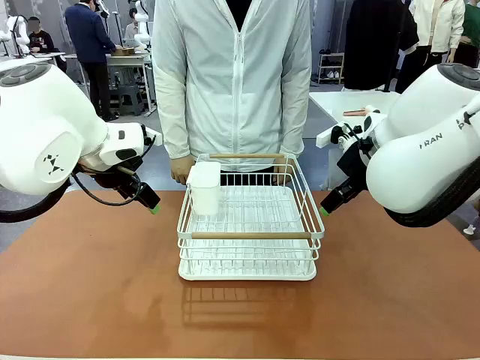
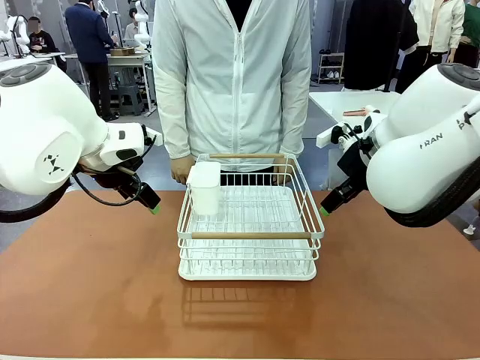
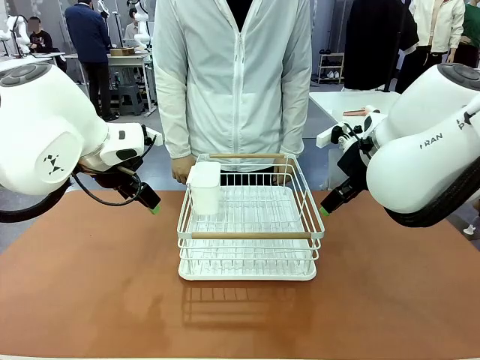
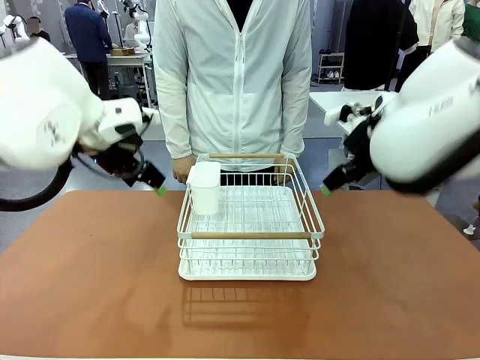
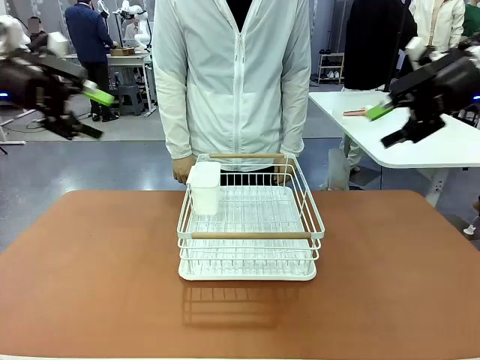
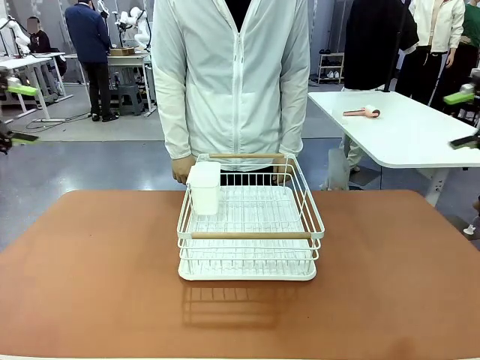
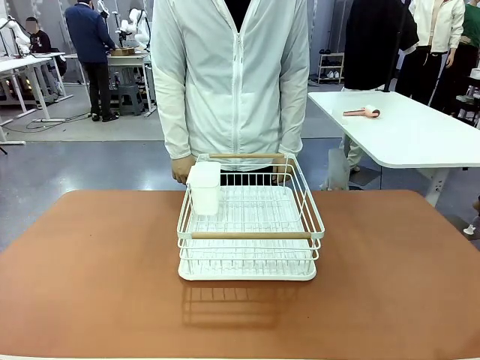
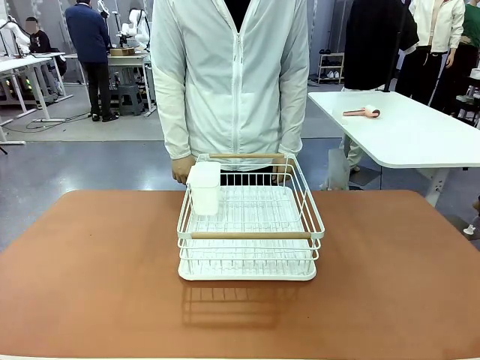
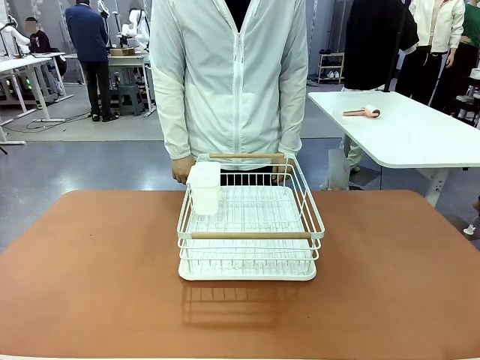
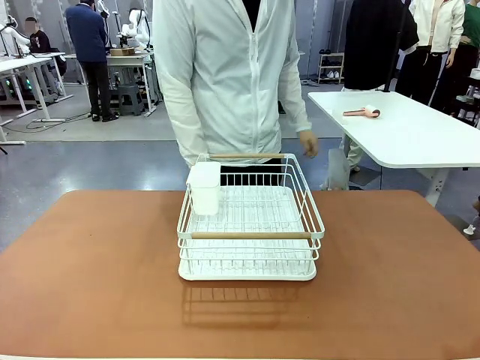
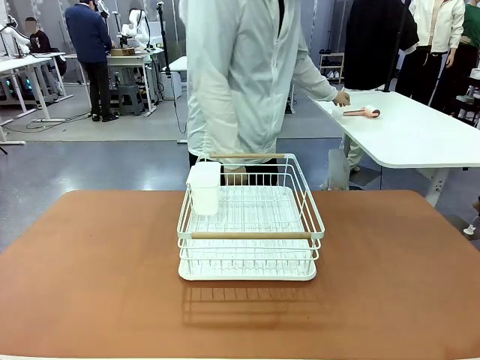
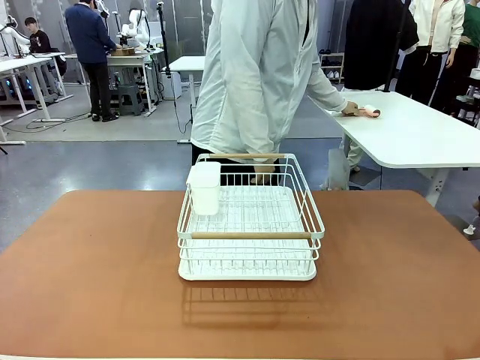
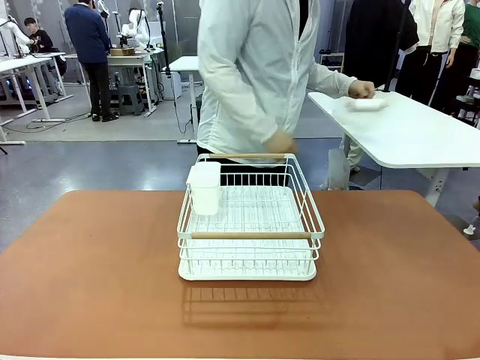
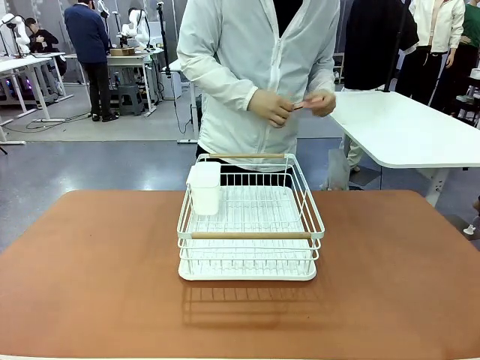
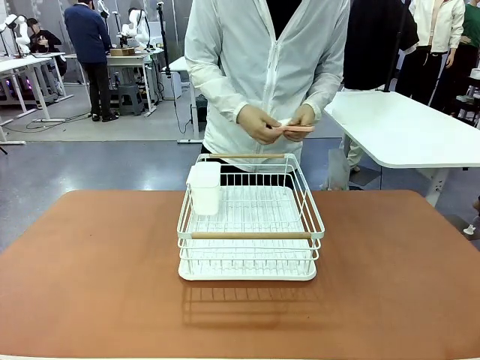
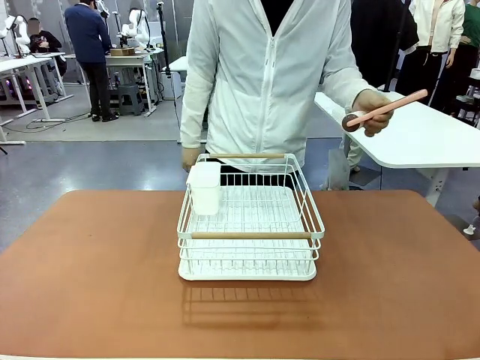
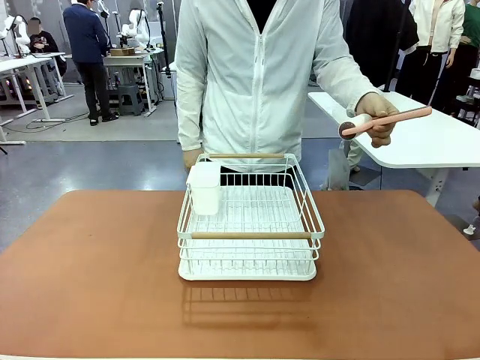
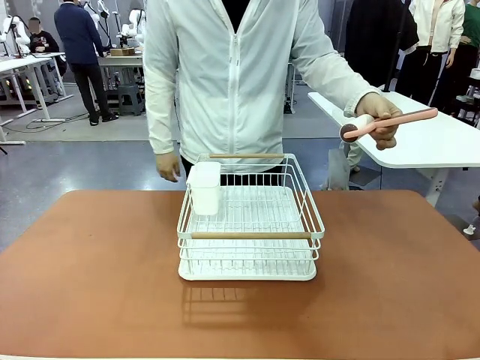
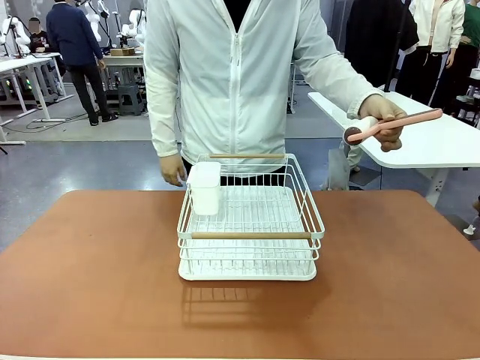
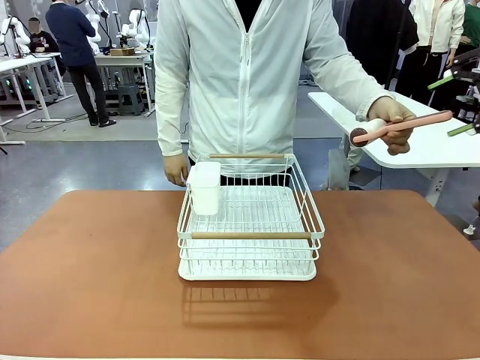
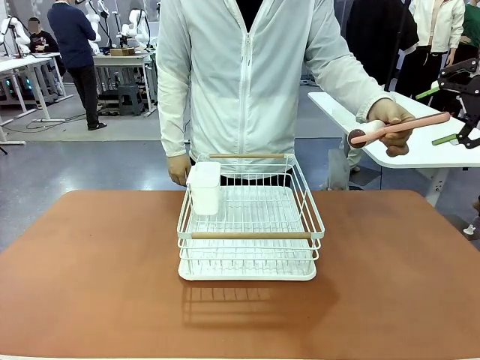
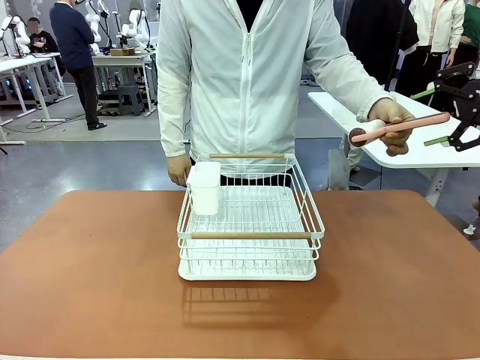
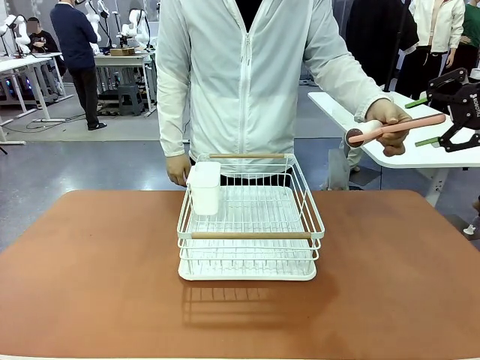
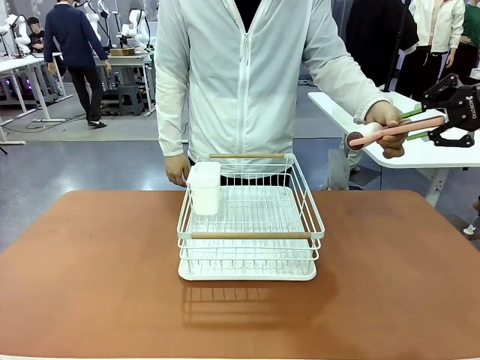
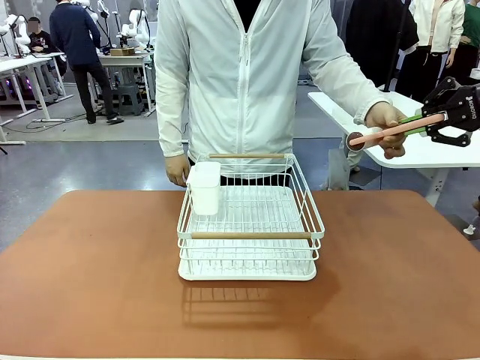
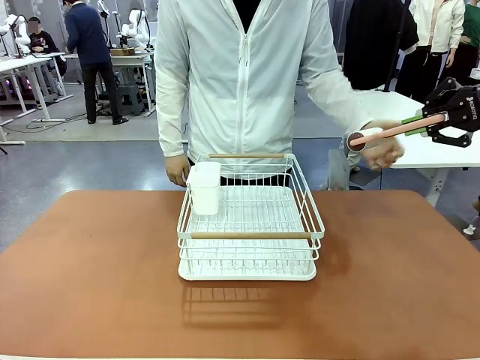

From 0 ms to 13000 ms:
Task: Clean the table.
Robot: Pick up the Lint Roller when the human hands it over.
Person: Hand the Lint Roller to the robot so it can easily pick it up. Lift the Dish drying rack.

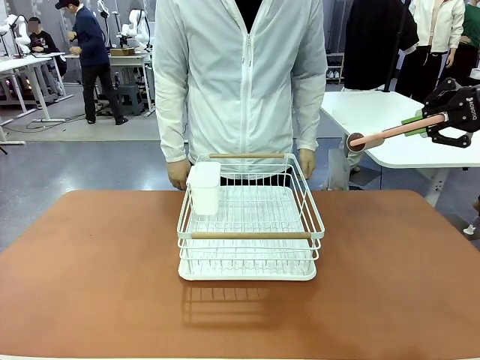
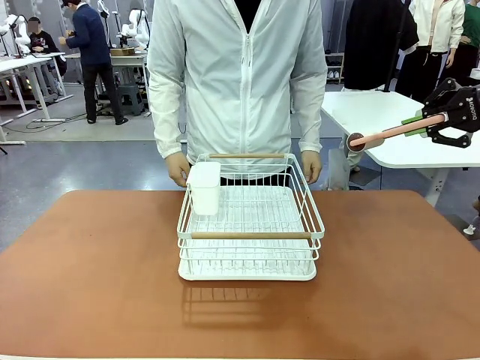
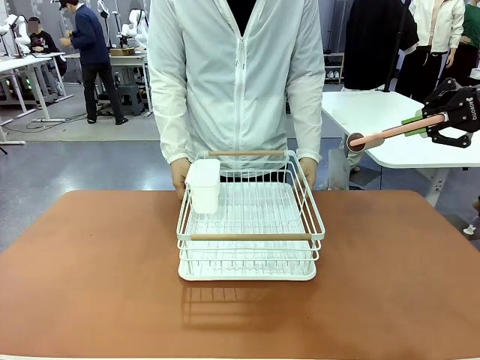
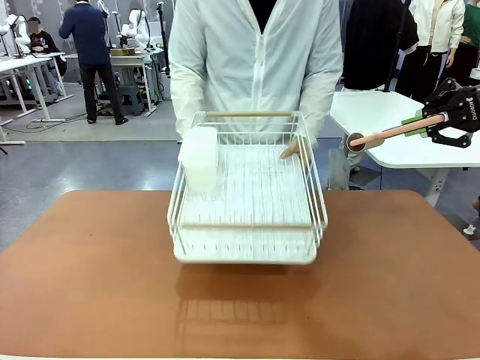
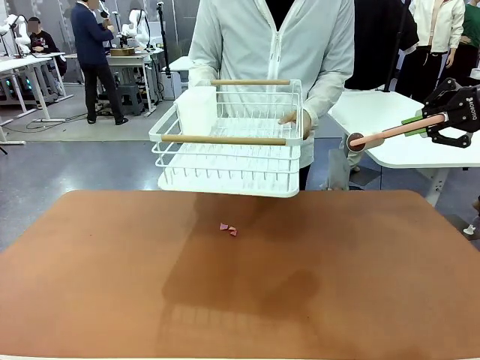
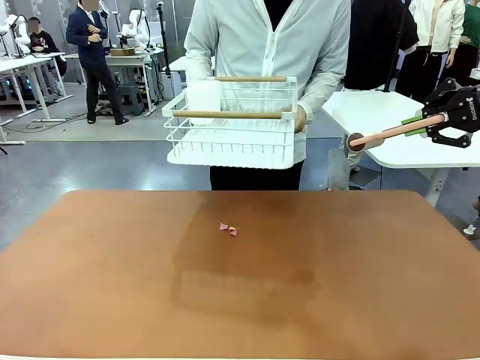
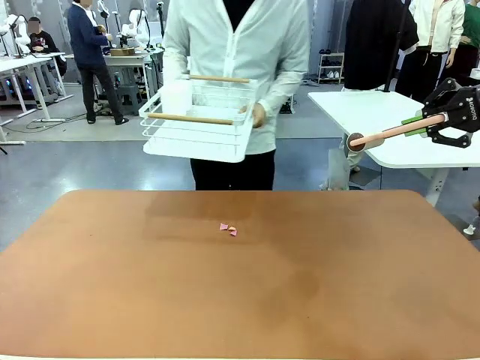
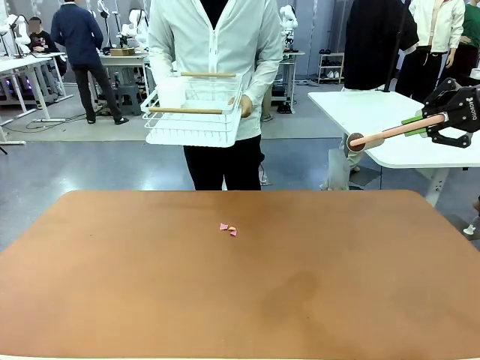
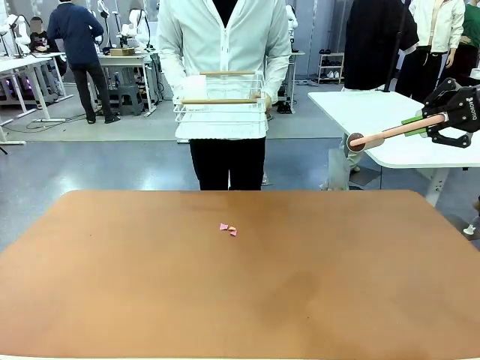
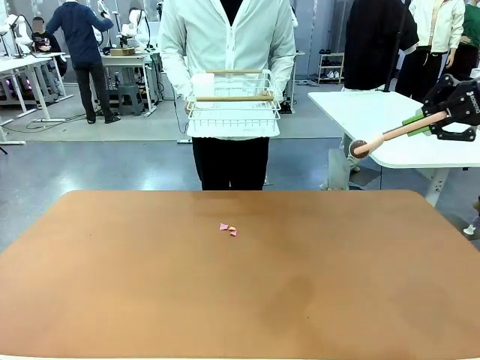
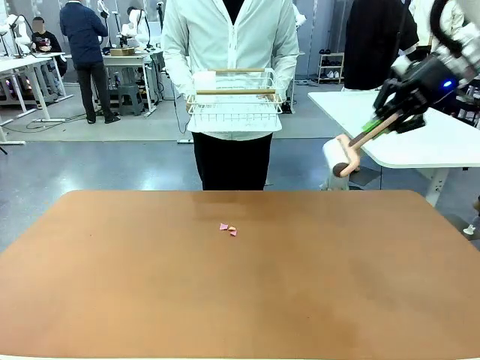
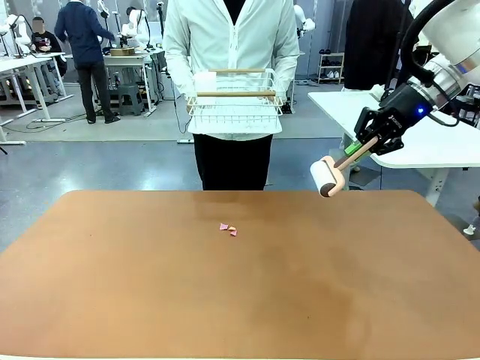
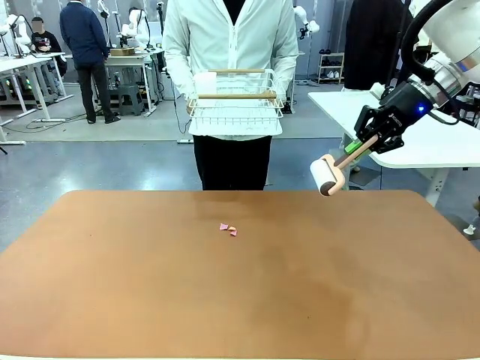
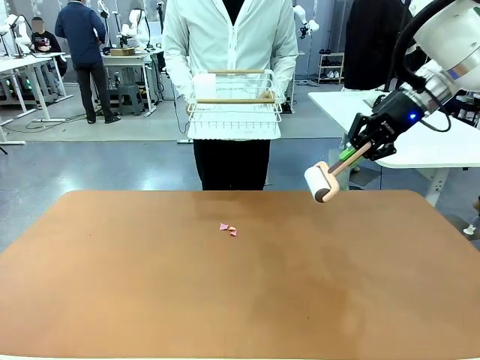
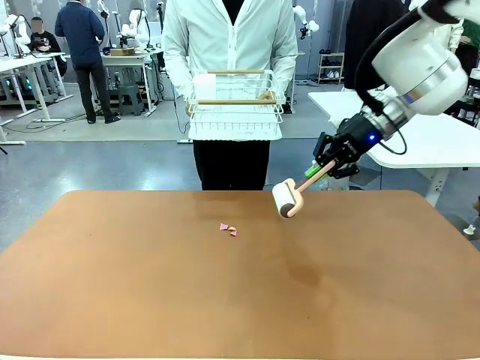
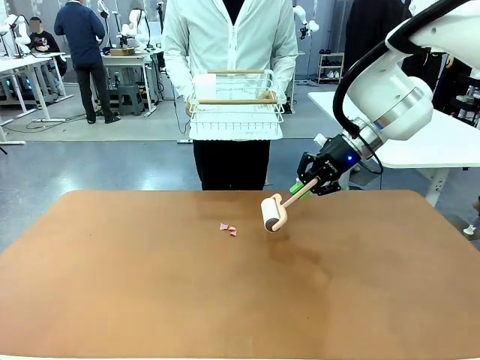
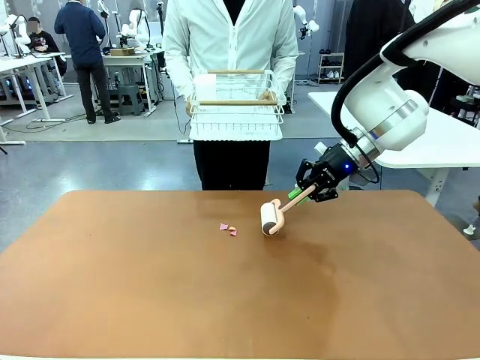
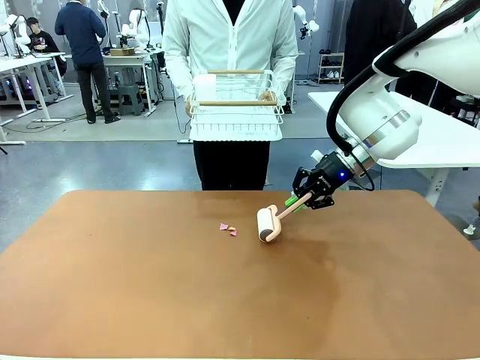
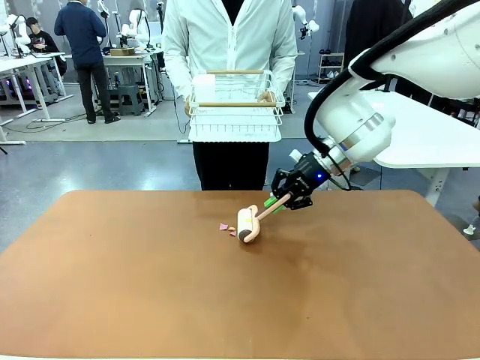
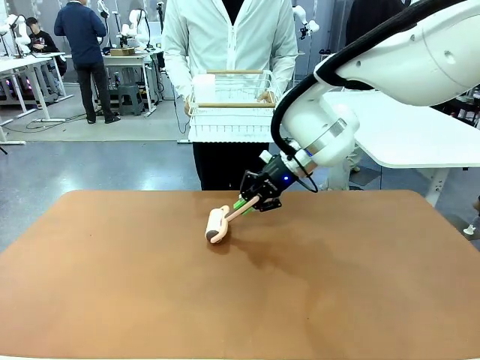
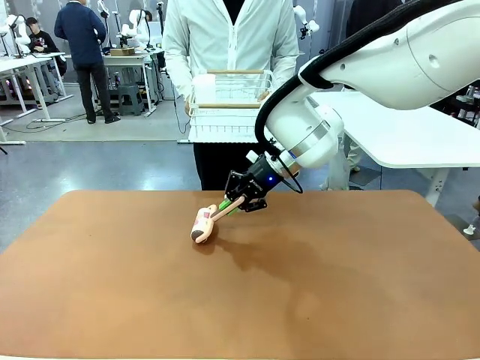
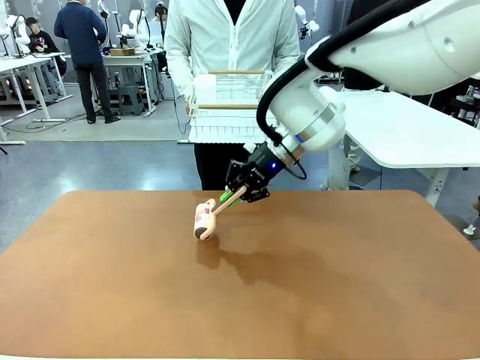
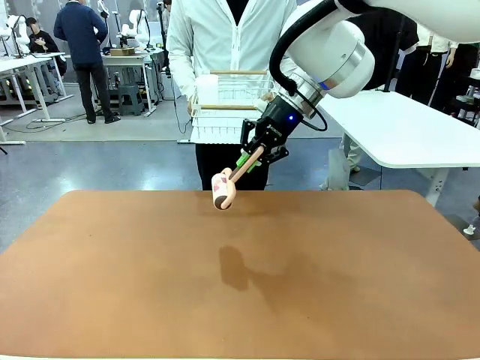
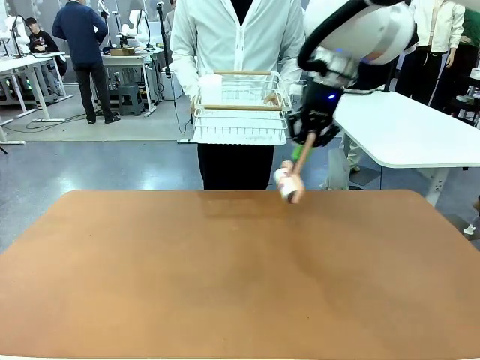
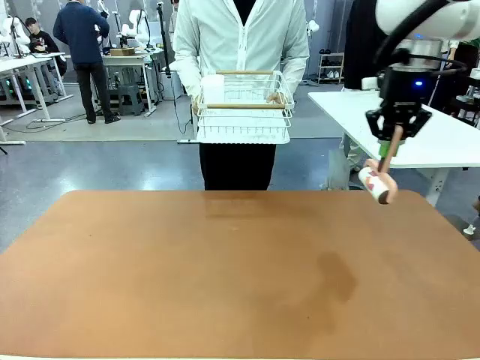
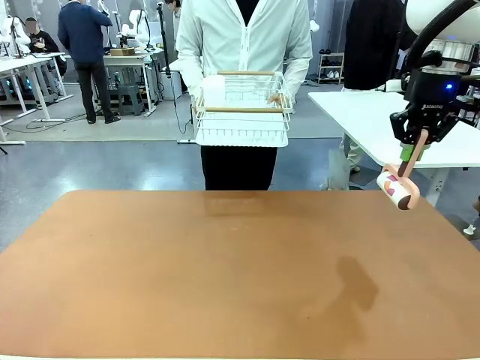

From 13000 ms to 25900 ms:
Robot: Clean the table with the Lint Roller when the human lifts the Dish drying rack.
Person: Place the Dish drying rack down when the robot finishes cleaning.
